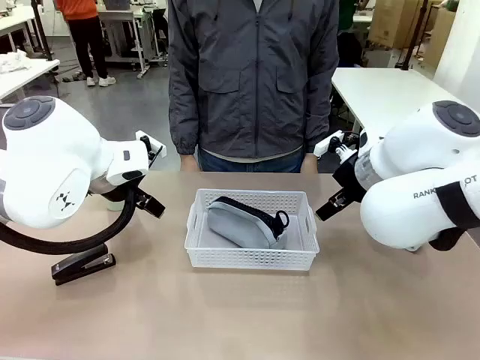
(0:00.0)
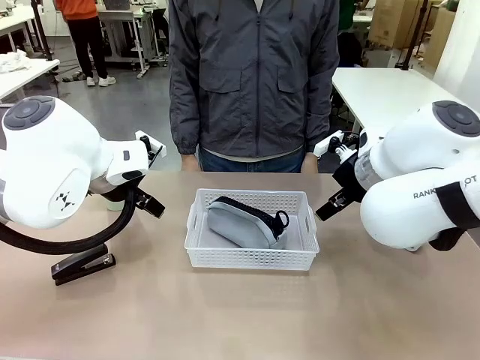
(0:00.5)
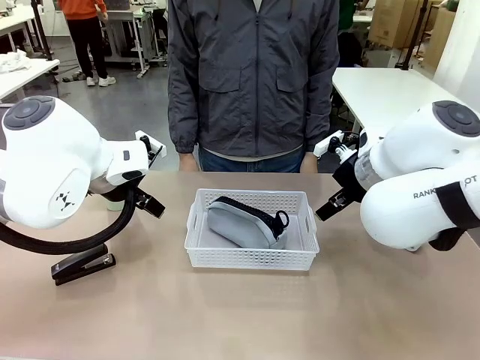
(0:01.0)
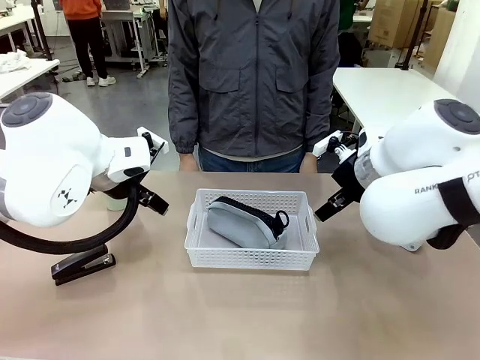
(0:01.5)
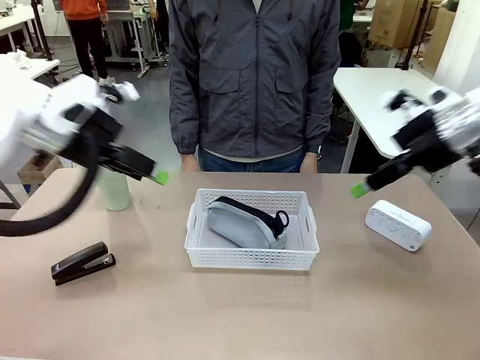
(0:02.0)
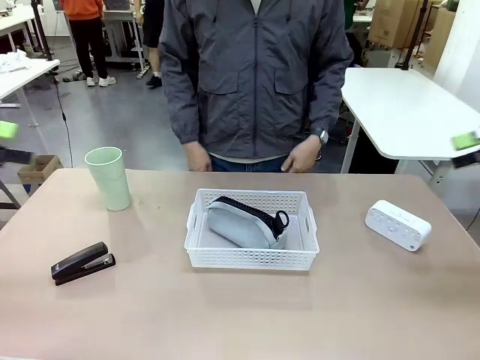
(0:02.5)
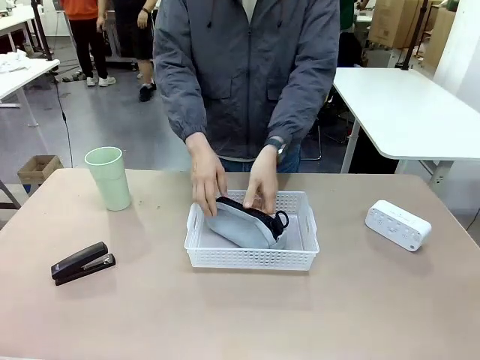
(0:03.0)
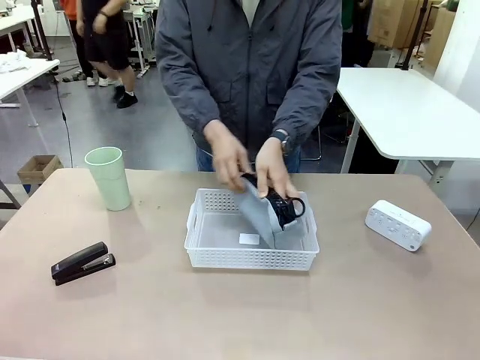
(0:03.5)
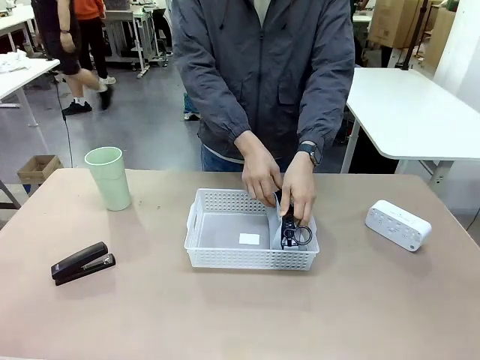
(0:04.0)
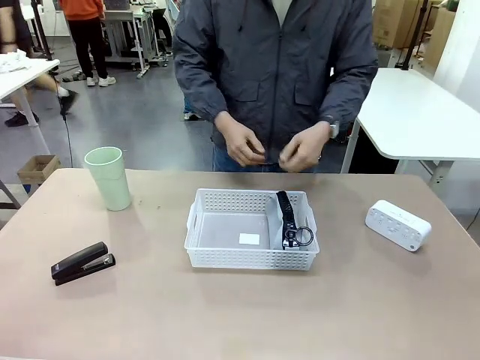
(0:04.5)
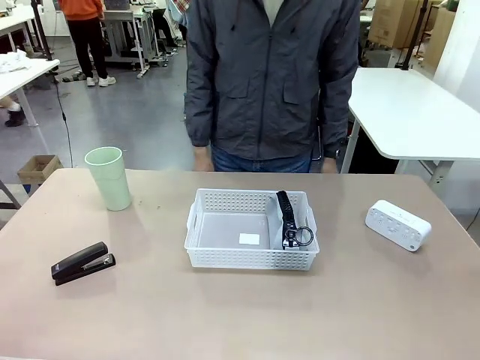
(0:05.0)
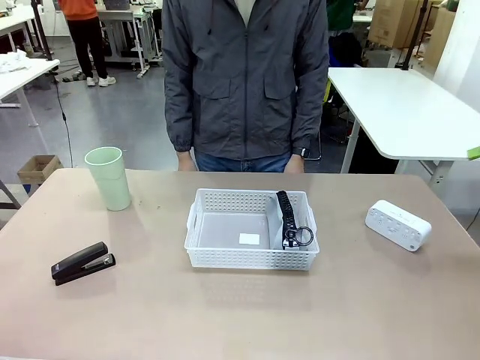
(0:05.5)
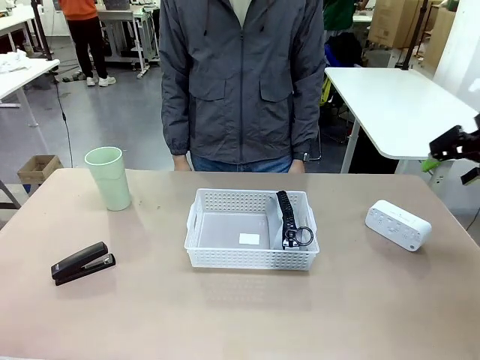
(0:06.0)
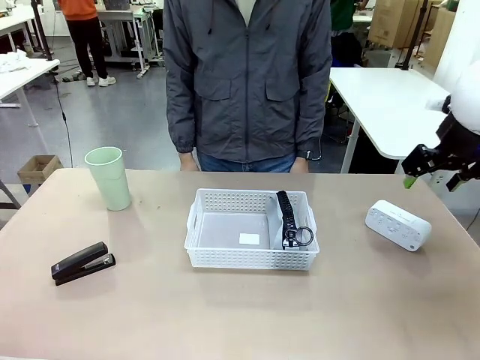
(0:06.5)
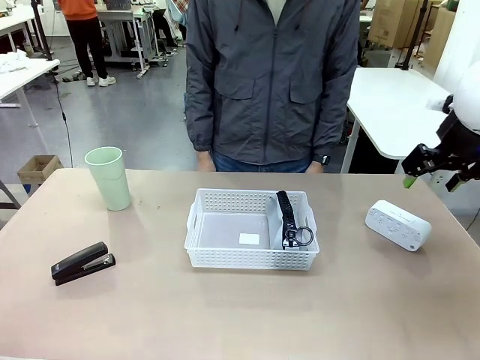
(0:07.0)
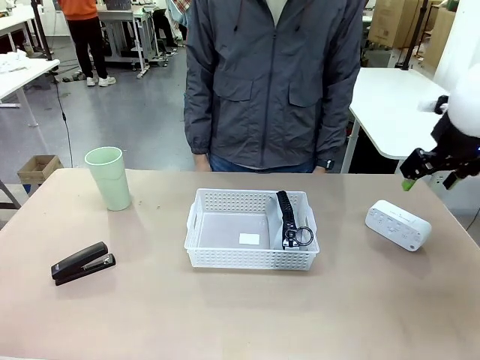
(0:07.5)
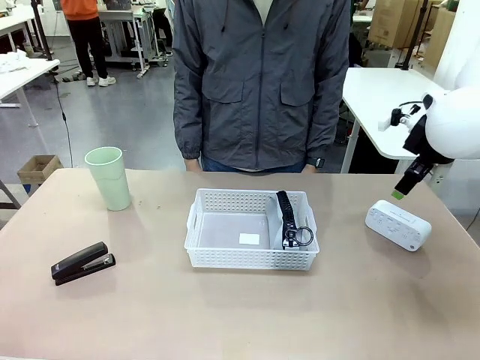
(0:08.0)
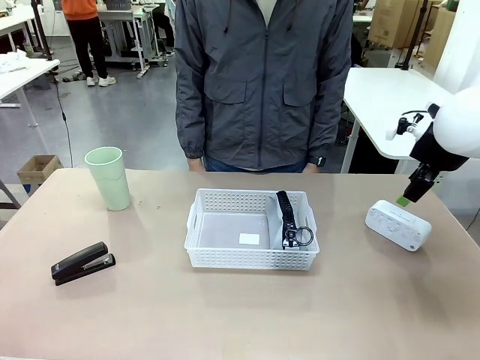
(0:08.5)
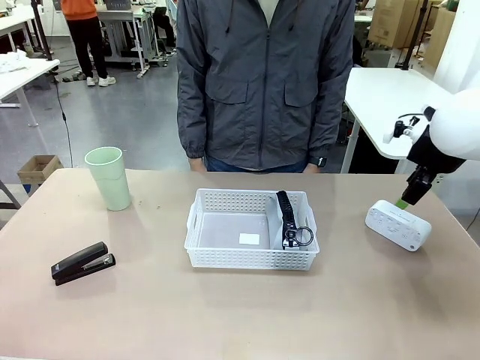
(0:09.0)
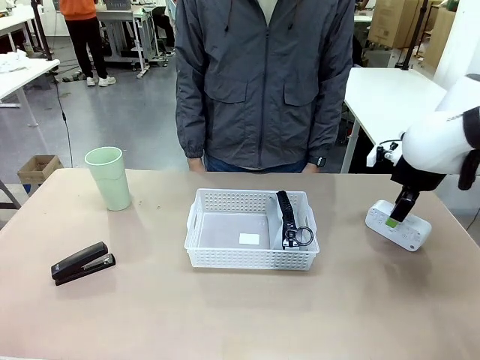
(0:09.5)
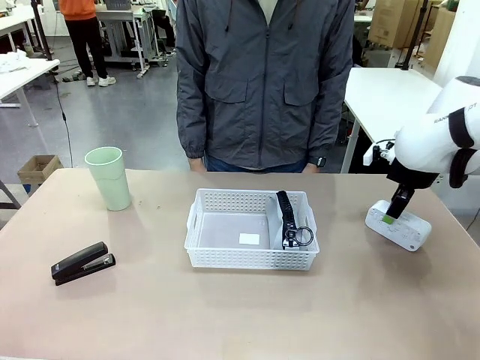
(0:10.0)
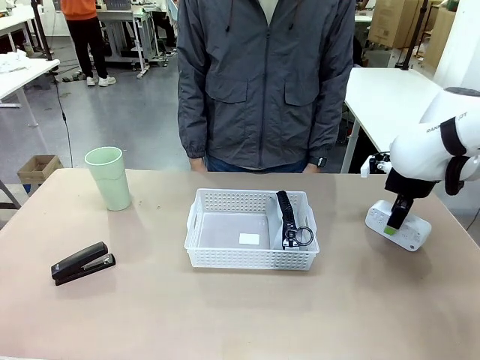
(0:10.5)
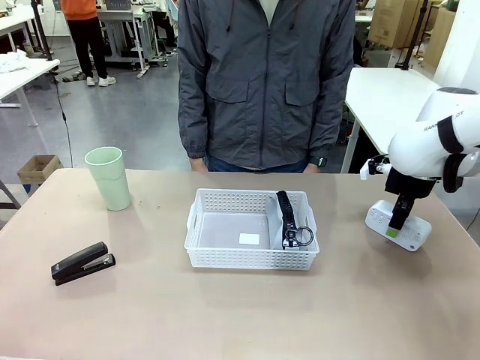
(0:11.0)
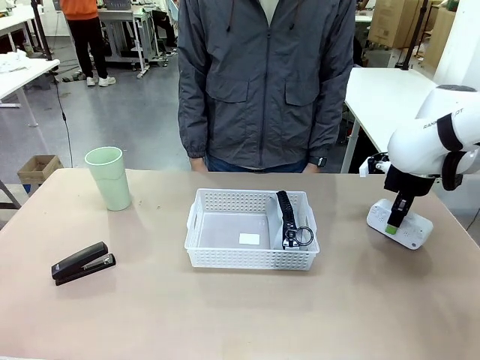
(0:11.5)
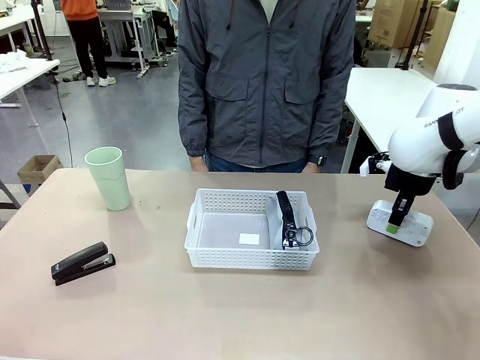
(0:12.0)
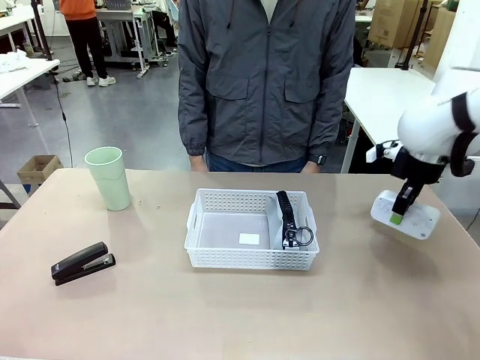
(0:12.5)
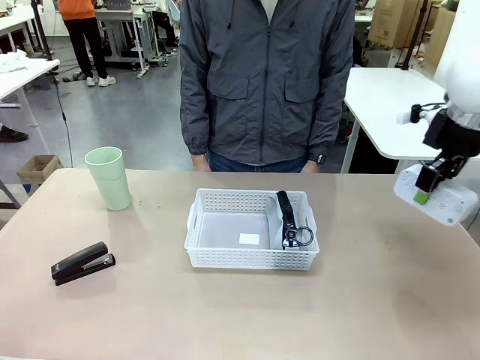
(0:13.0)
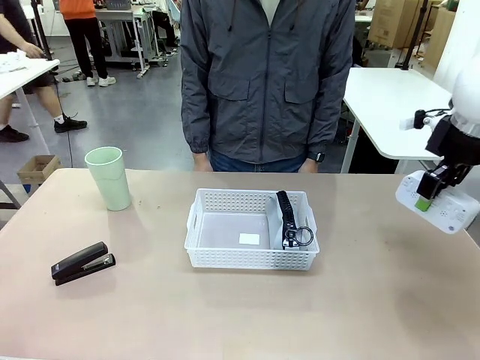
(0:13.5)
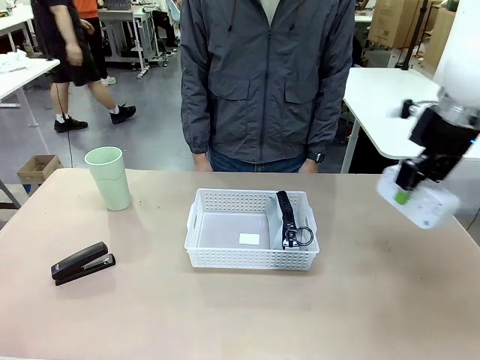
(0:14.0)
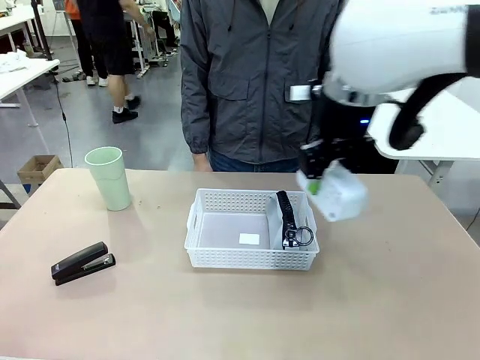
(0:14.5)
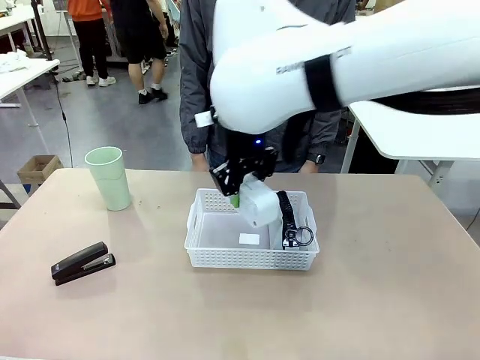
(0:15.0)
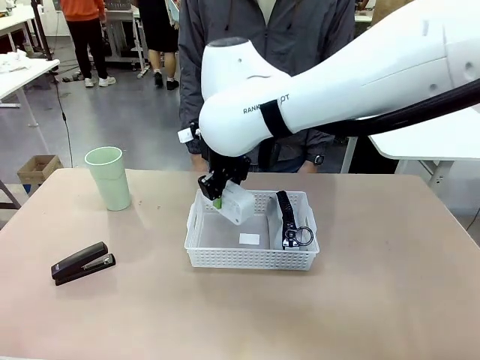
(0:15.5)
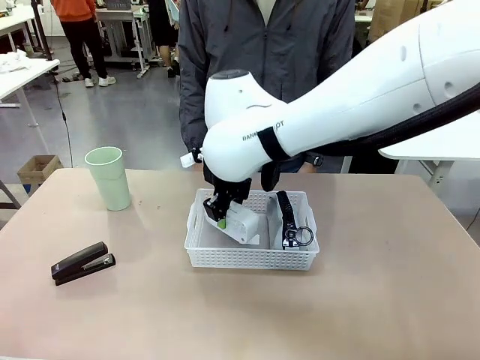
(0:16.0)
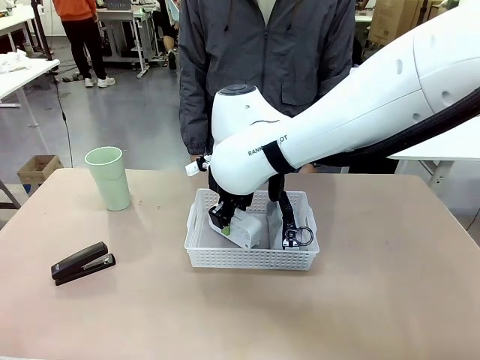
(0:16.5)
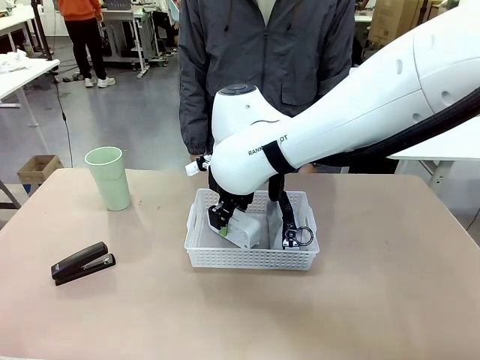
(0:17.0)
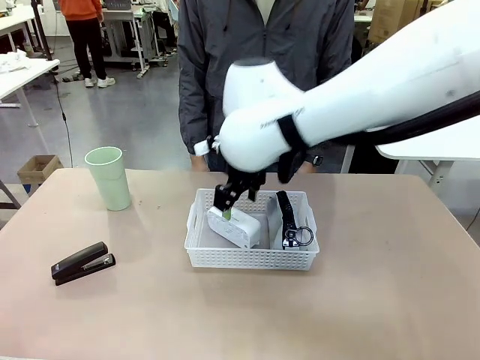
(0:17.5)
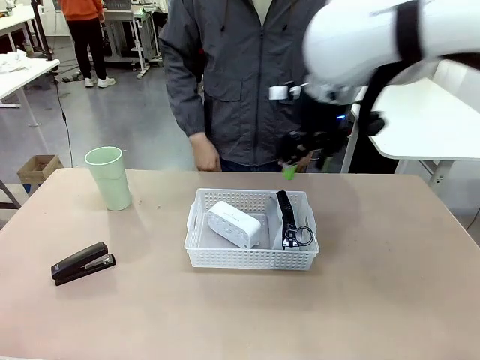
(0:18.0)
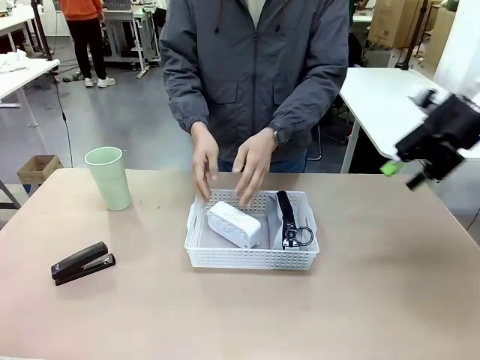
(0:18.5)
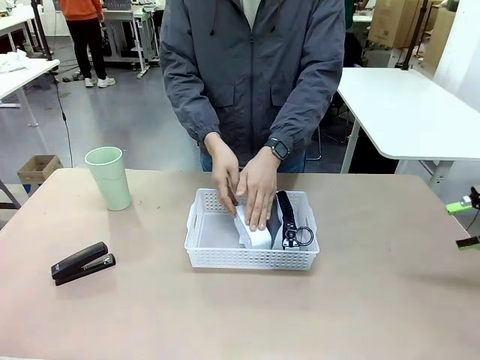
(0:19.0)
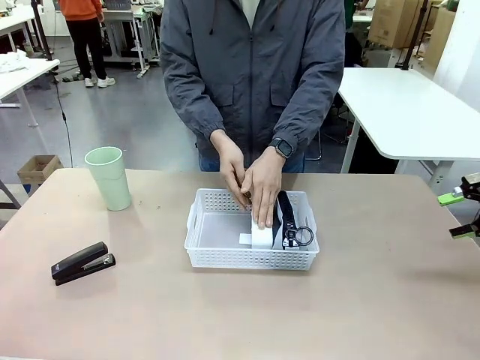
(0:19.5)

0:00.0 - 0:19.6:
Task: Efficiently arrange items inside the basket to fit them all.
Robot: Pick up the Digital clock and place it inside the Organizing basket.
Person: Repositions the pencil case. Repositions the digital clock.
